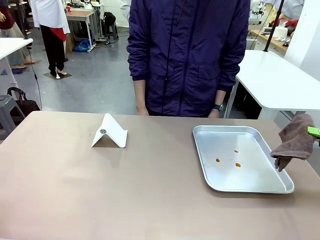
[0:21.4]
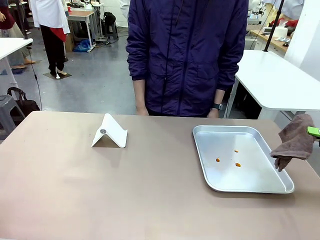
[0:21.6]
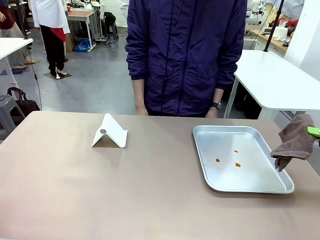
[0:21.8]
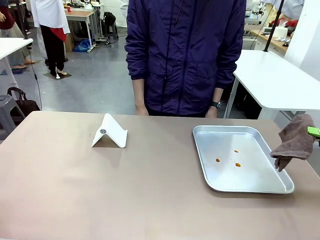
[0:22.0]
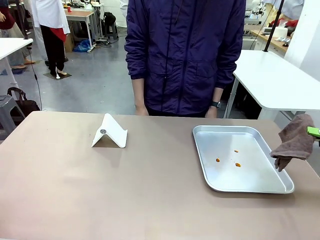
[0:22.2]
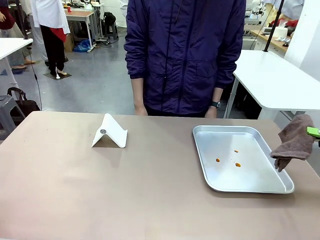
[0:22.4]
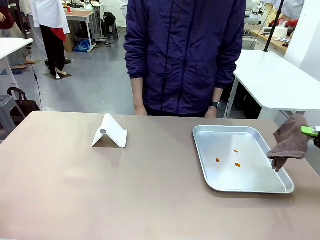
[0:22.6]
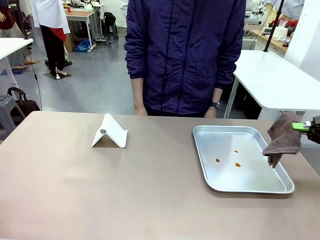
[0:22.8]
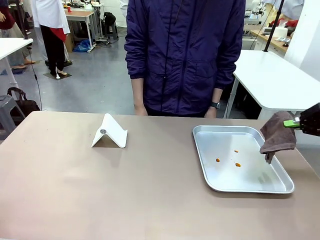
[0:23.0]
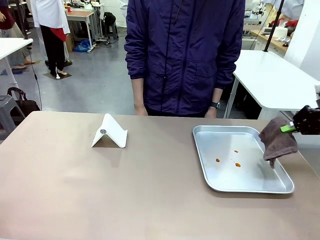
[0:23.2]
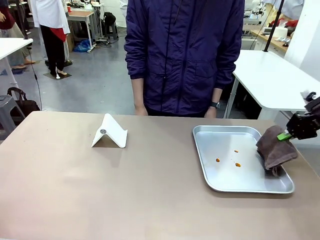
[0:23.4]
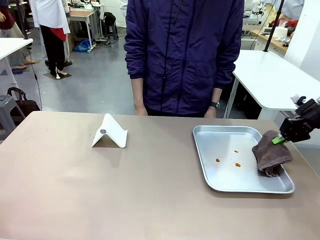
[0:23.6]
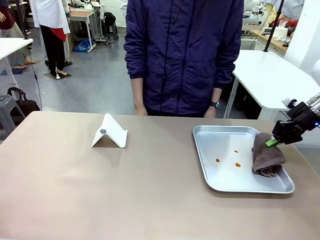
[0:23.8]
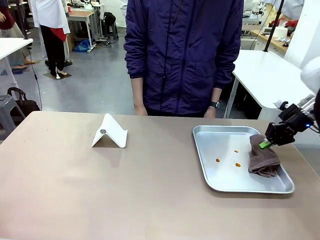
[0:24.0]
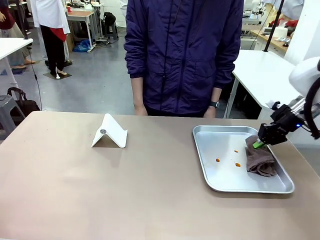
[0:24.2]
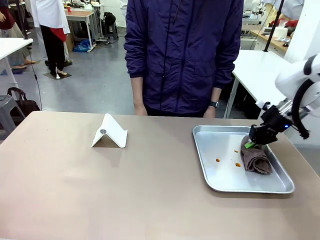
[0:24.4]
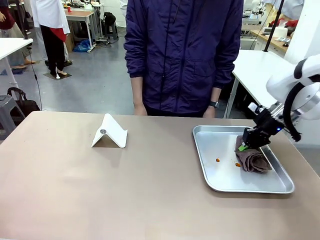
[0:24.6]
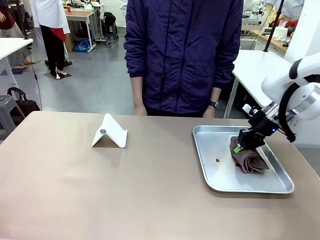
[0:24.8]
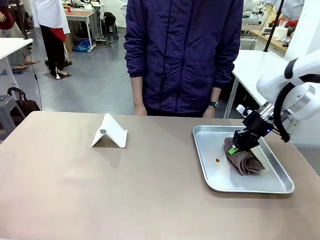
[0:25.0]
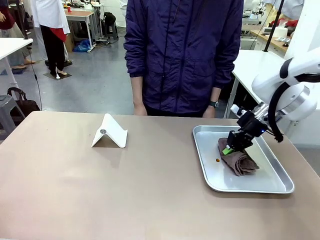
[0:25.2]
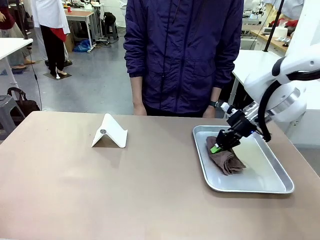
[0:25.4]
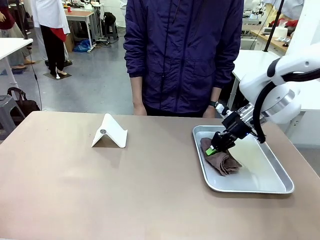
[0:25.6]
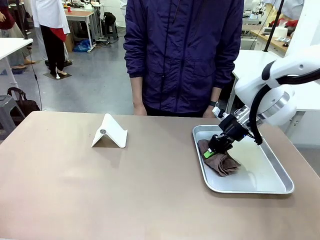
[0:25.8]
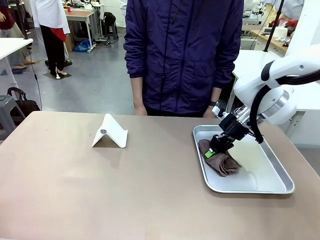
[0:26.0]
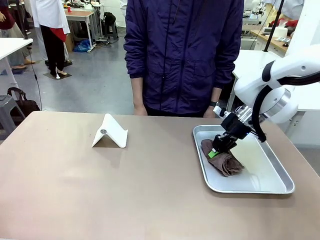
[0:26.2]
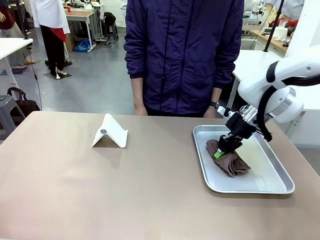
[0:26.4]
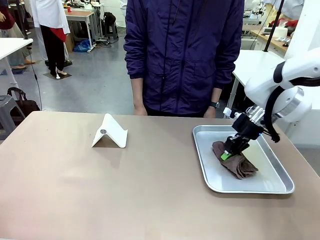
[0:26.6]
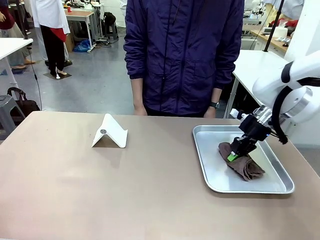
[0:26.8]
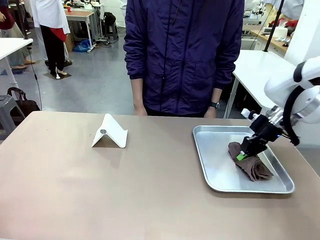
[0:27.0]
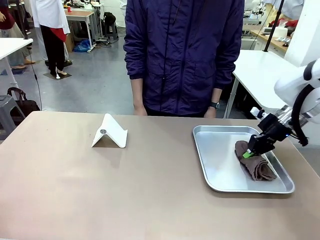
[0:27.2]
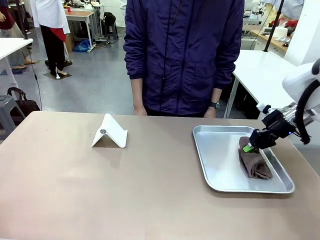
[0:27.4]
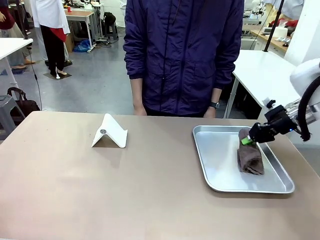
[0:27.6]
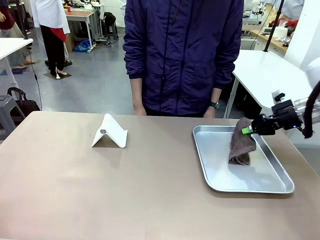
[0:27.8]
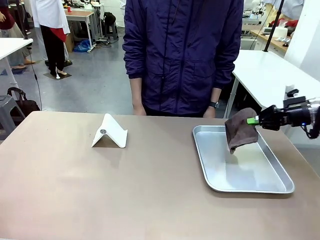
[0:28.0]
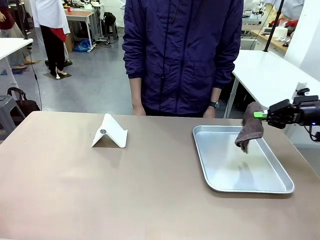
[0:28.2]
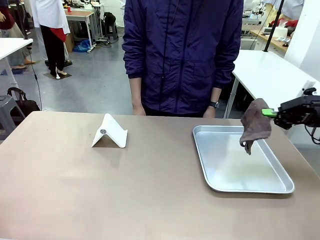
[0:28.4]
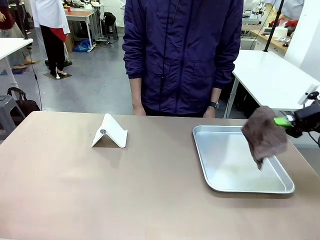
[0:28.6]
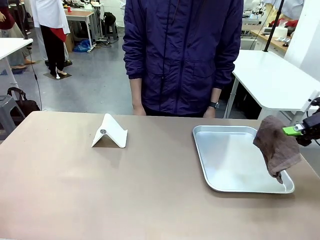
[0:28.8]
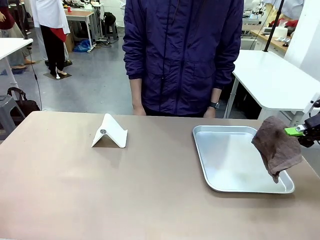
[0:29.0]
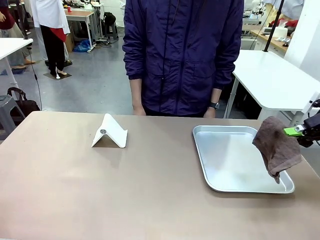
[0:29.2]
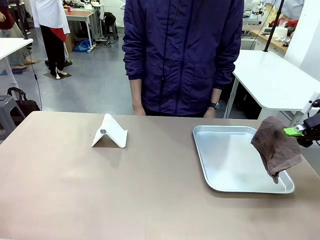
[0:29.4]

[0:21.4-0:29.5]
Task: Clean the surface of the table.
Robot: Clean the area not pointed to by the person.

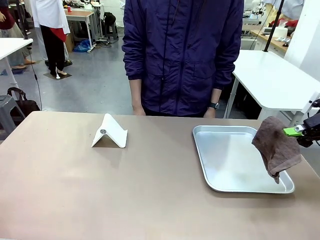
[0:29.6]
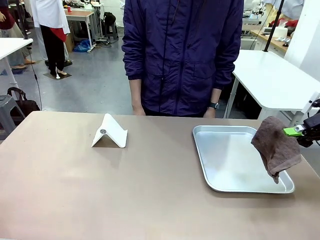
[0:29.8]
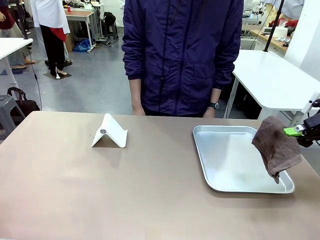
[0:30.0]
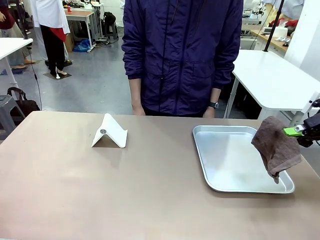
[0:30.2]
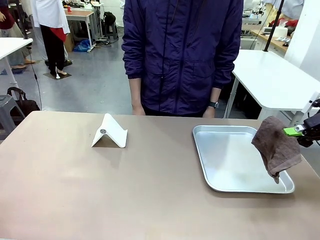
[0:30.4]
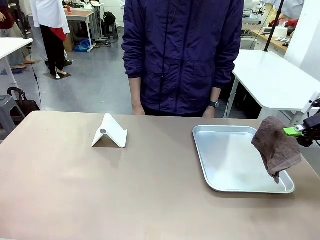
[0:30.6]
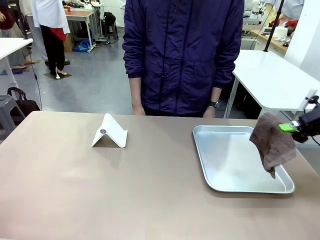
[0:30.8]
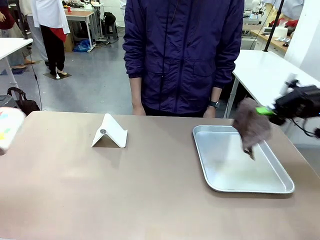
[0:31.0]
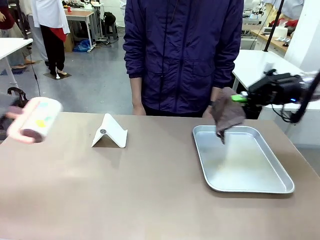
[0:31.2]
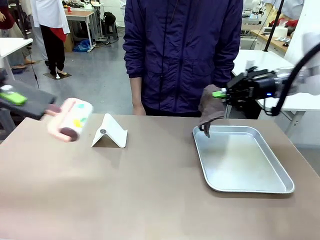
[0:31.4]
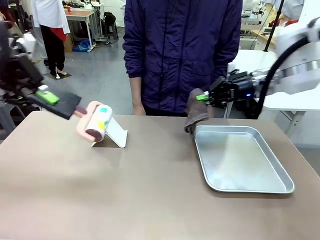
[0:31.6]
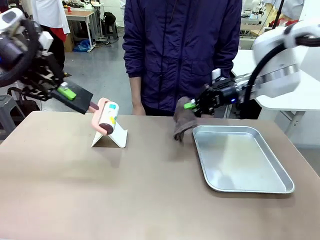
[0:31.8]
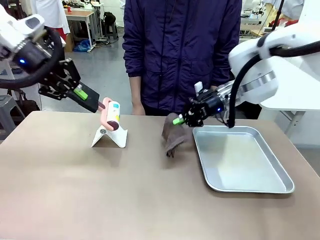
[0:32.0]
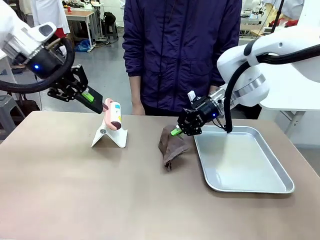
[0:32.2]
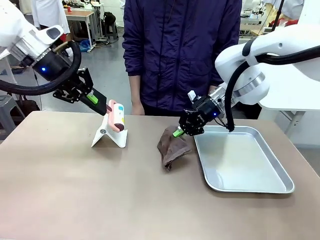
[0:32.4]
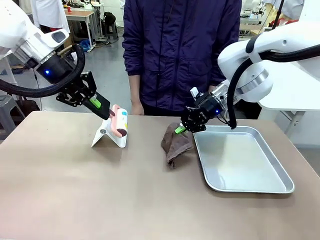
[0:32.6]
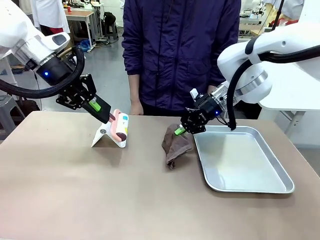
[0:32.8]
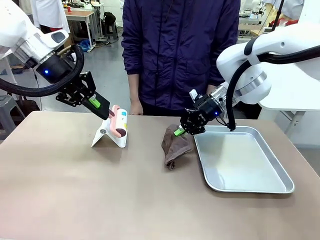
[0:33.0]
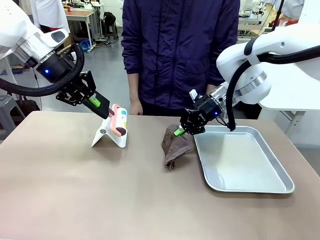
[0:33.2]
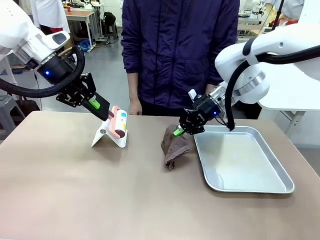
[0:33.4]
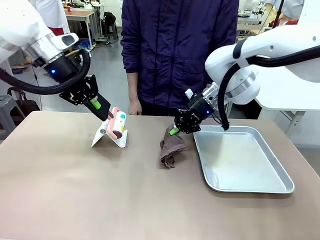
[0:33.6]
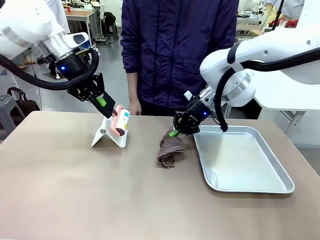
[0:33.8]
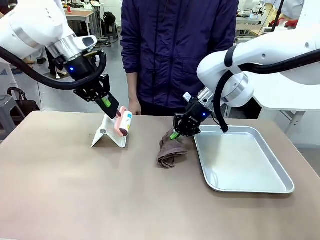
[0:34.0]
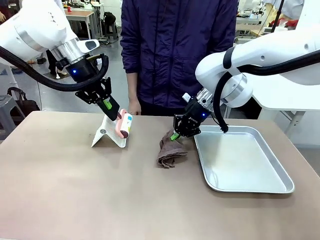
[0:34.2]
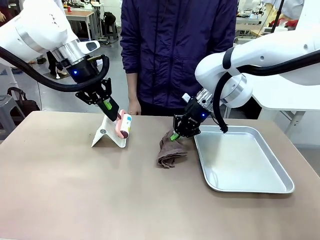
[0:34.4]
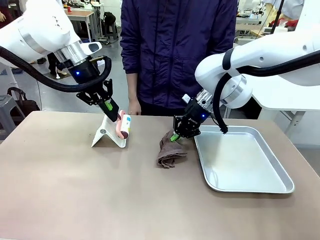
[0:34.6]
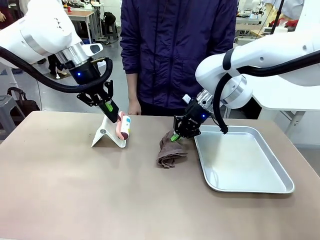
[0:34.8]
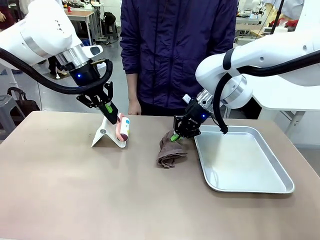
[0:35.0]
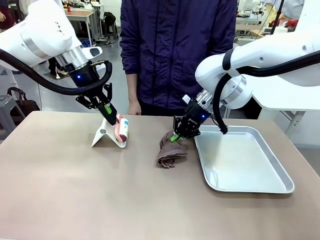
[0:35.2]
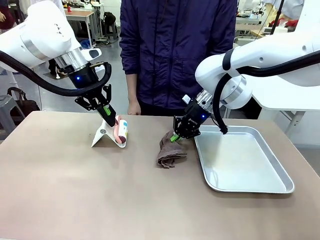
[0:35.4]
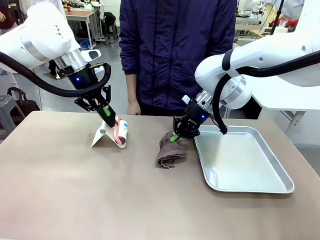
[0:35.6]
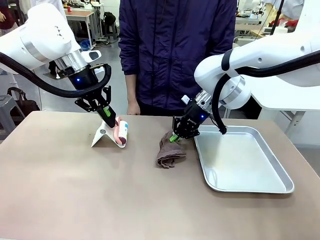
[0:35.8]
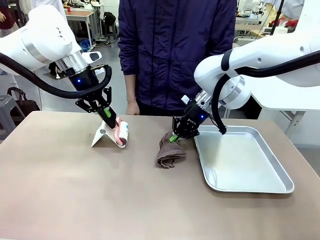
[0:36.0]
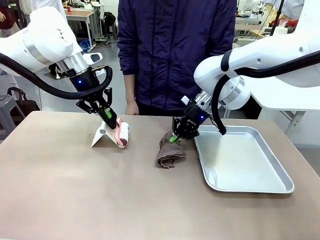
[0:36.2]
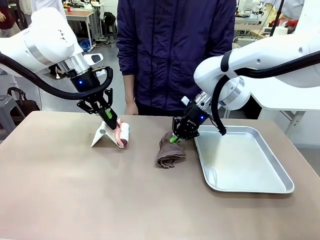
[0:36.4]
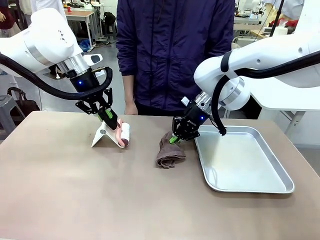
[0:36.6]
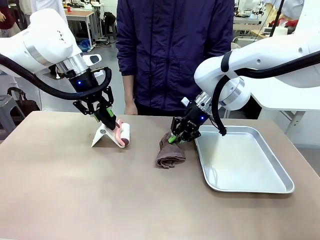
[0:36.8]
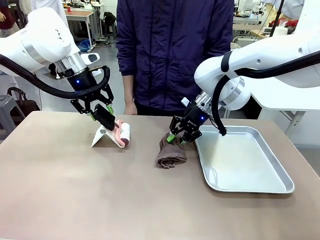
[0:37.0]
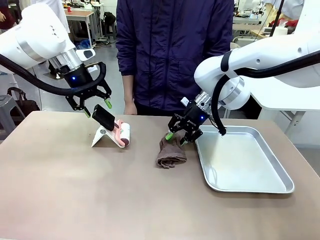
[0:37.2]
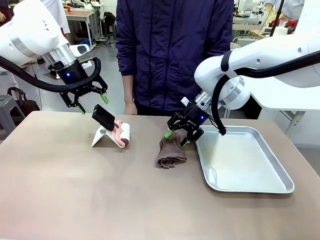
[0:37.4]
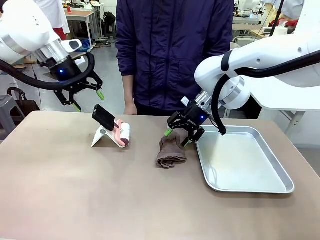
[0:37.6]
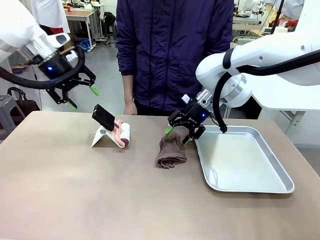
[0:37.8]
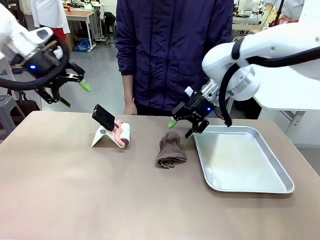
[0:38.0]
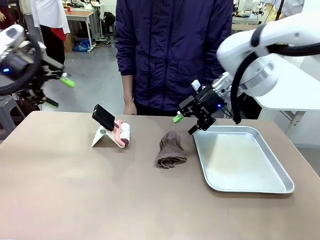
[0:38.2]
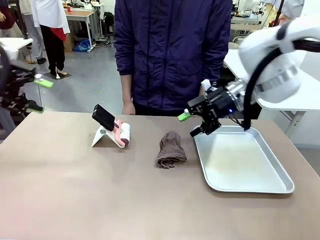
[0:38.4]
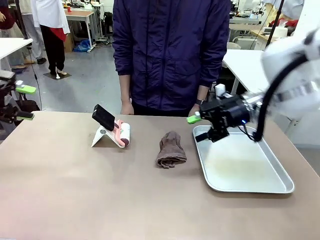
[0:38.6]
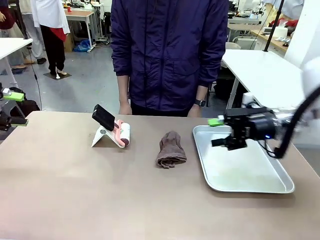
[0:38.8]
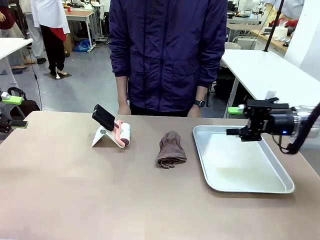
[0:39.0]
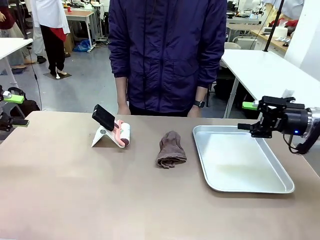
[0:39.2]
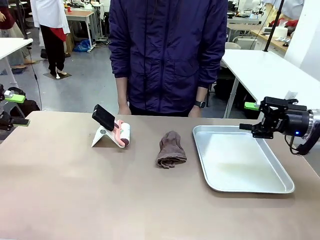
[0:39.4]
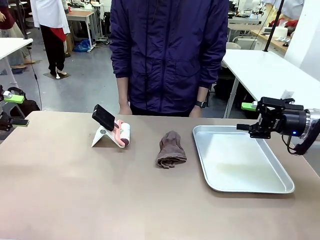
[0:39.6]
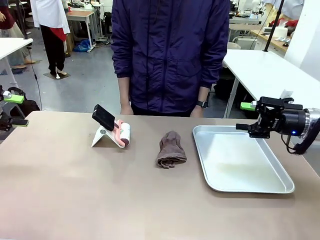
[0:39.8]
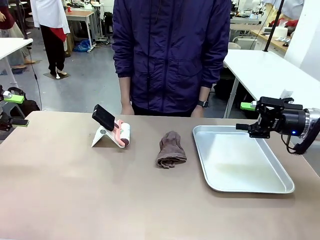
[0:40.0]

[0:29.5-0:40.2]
Robot: Return the Lint Roller and towel to their original positions.
